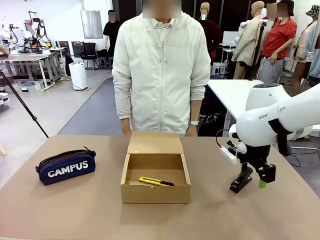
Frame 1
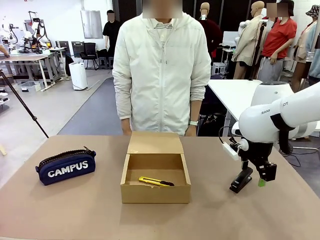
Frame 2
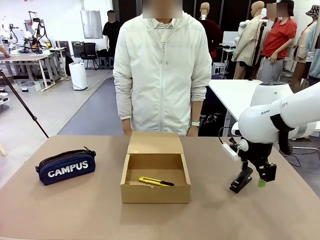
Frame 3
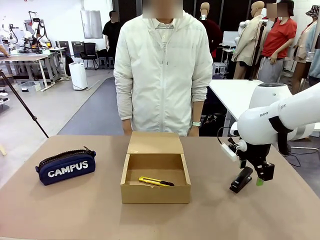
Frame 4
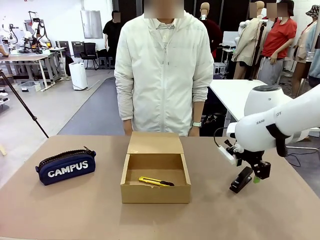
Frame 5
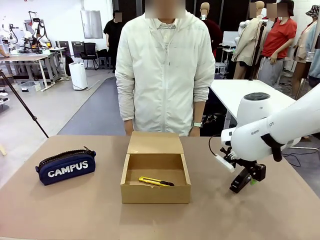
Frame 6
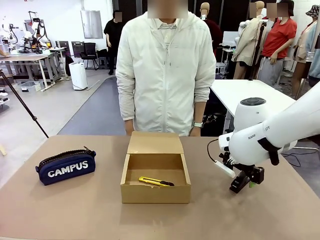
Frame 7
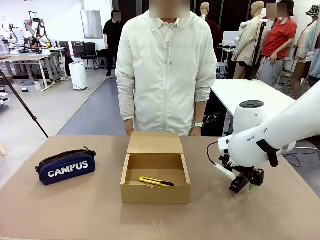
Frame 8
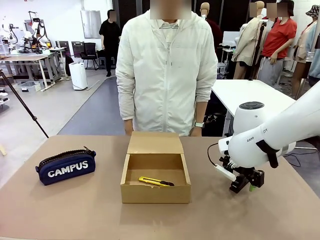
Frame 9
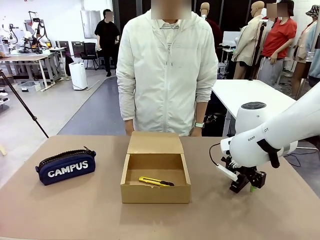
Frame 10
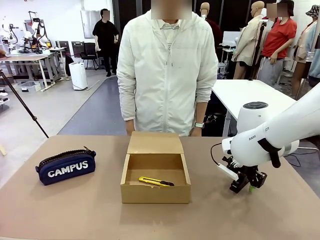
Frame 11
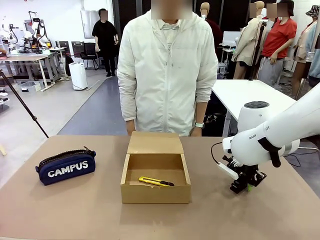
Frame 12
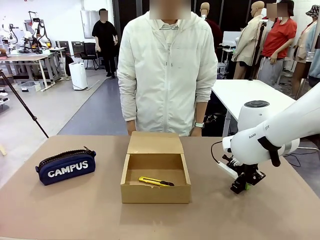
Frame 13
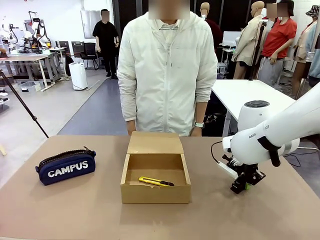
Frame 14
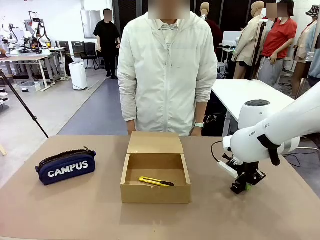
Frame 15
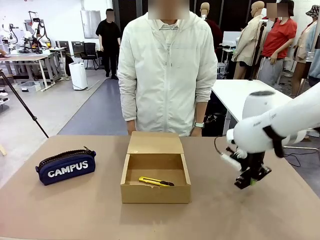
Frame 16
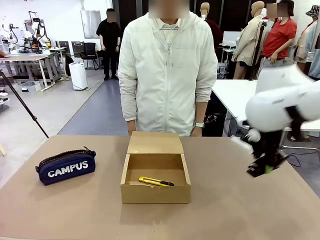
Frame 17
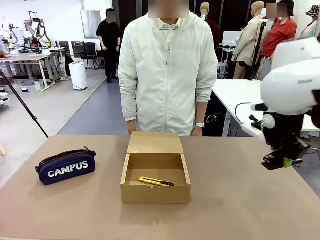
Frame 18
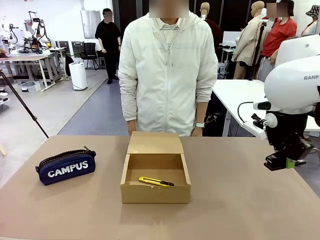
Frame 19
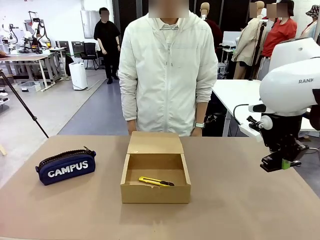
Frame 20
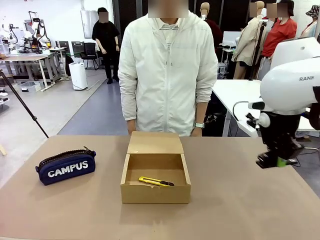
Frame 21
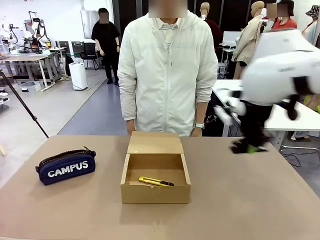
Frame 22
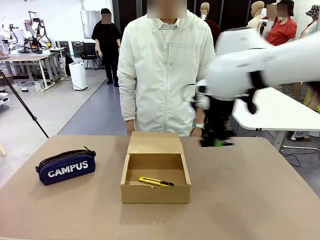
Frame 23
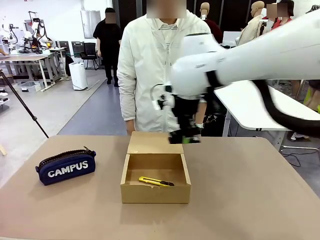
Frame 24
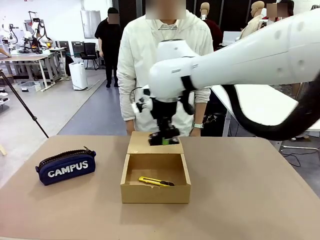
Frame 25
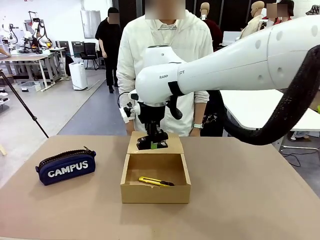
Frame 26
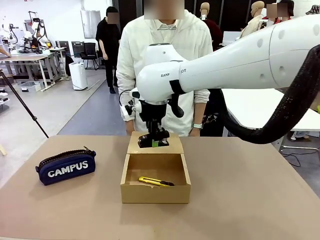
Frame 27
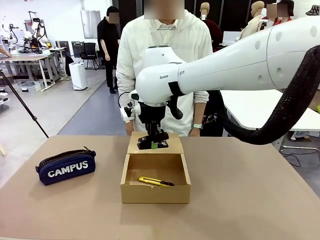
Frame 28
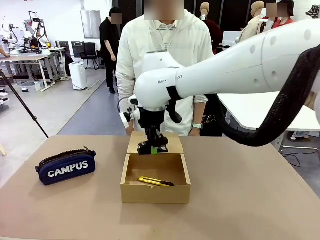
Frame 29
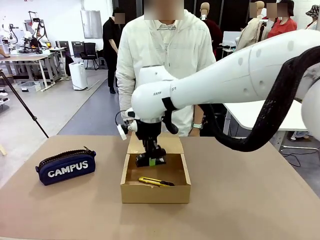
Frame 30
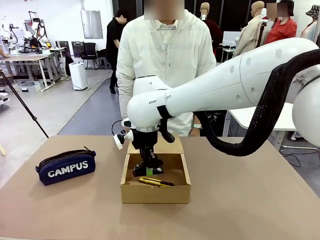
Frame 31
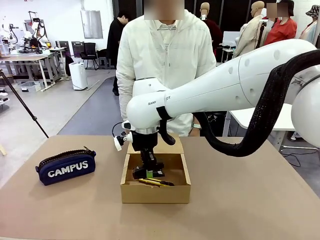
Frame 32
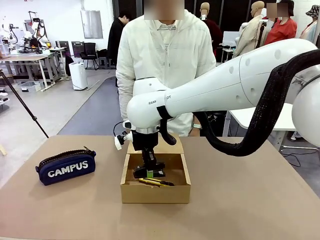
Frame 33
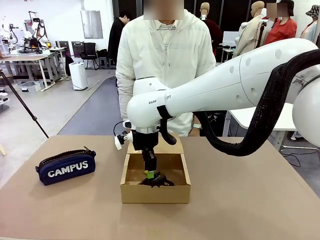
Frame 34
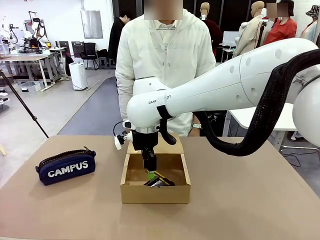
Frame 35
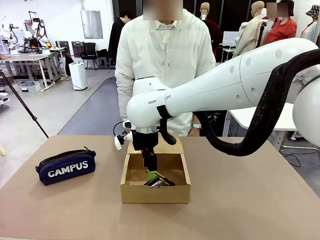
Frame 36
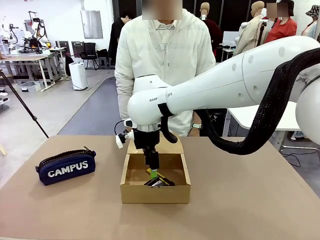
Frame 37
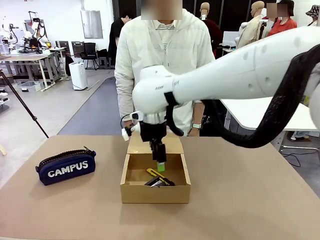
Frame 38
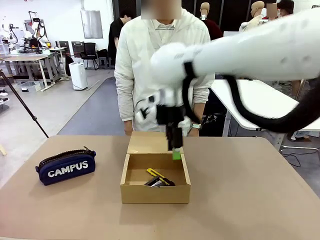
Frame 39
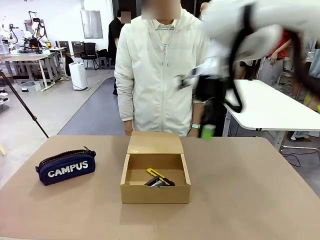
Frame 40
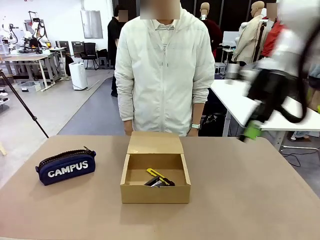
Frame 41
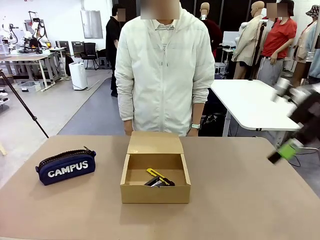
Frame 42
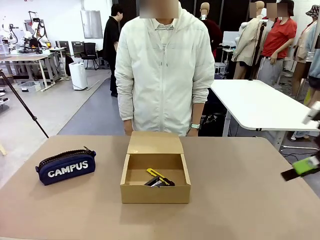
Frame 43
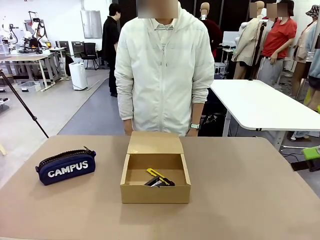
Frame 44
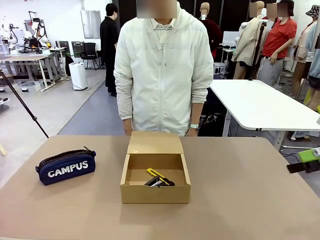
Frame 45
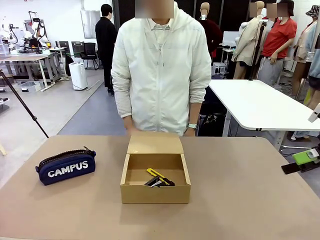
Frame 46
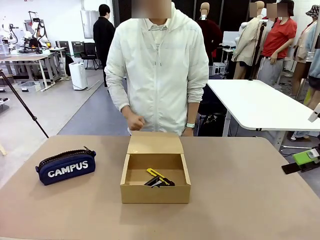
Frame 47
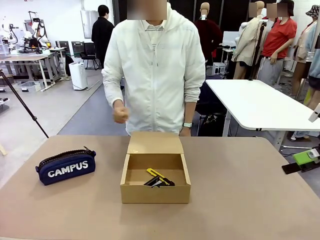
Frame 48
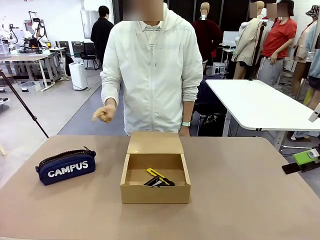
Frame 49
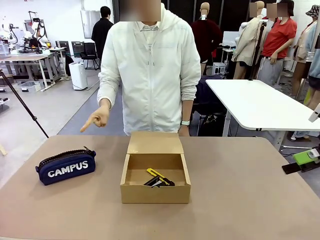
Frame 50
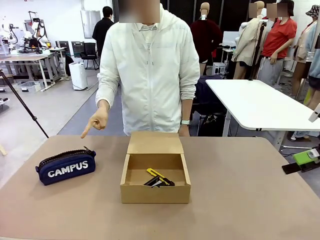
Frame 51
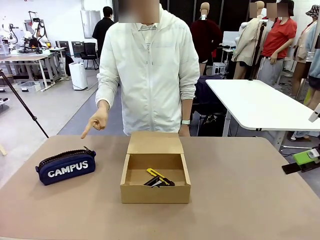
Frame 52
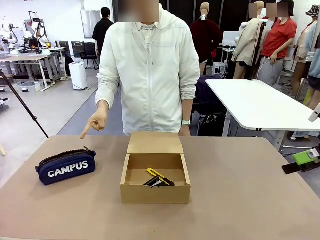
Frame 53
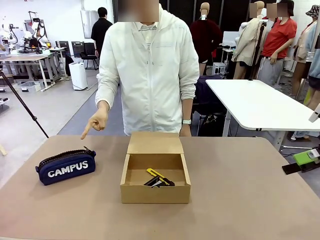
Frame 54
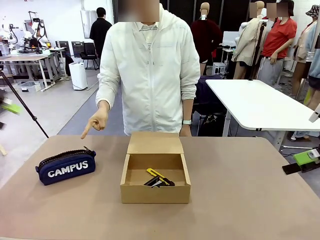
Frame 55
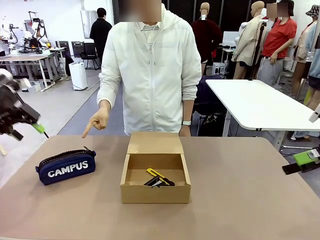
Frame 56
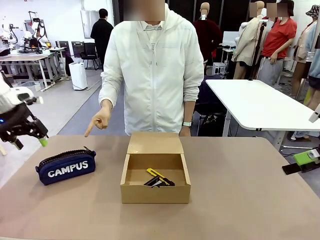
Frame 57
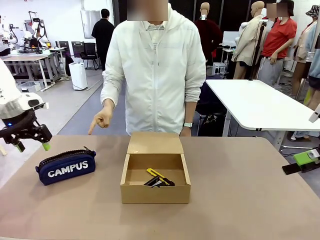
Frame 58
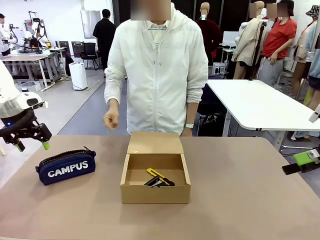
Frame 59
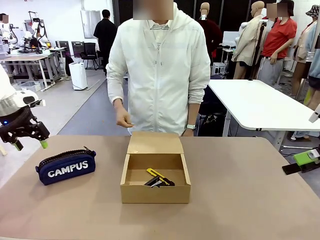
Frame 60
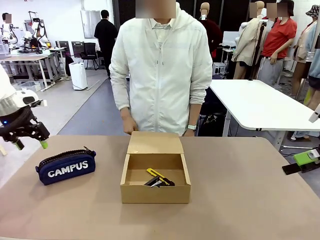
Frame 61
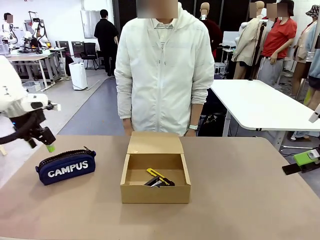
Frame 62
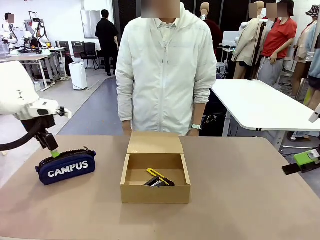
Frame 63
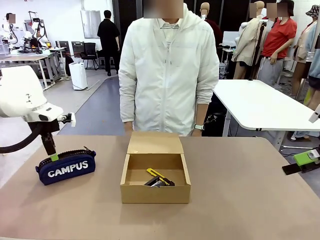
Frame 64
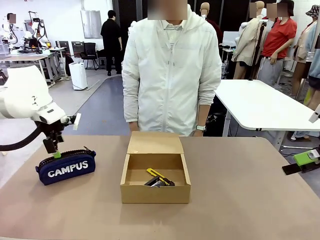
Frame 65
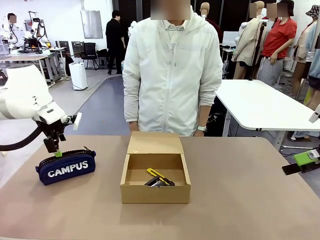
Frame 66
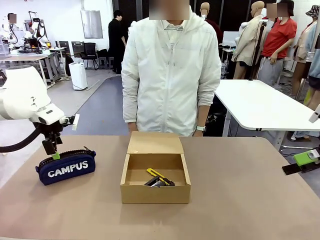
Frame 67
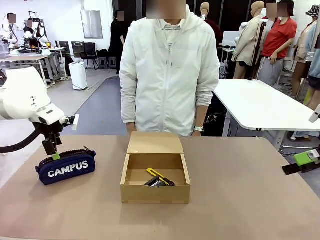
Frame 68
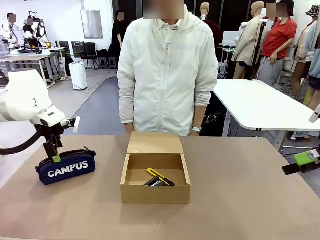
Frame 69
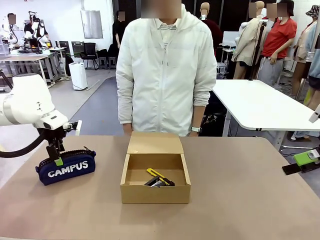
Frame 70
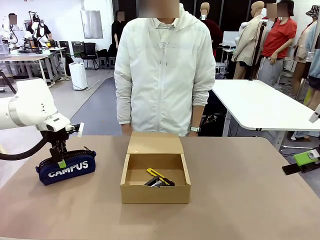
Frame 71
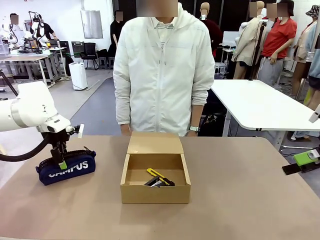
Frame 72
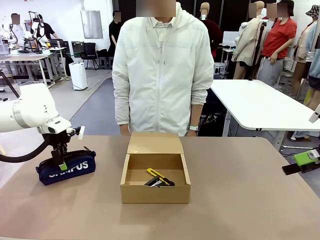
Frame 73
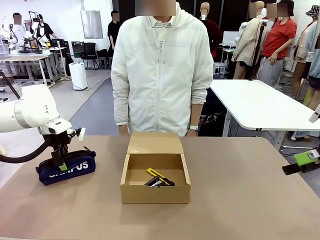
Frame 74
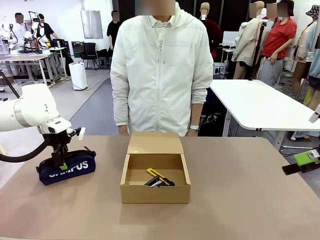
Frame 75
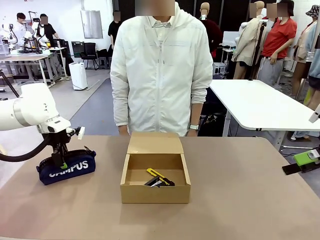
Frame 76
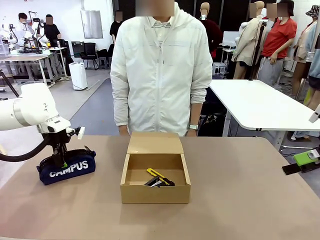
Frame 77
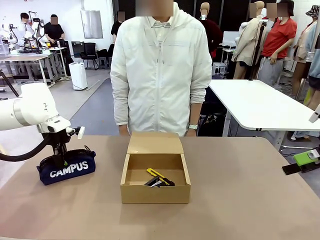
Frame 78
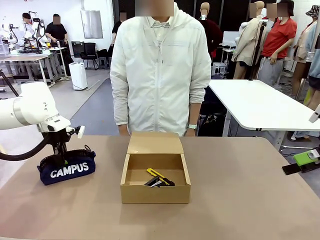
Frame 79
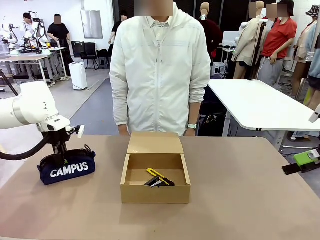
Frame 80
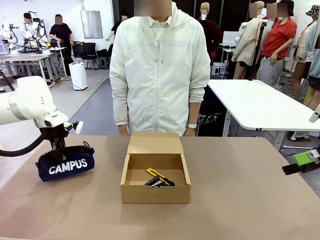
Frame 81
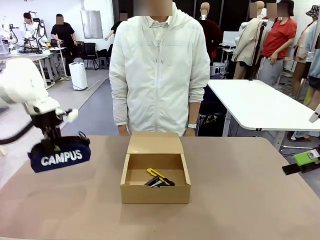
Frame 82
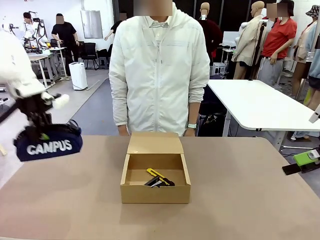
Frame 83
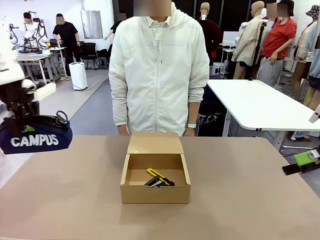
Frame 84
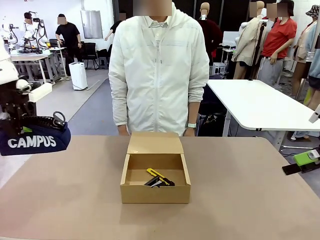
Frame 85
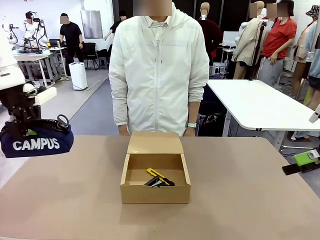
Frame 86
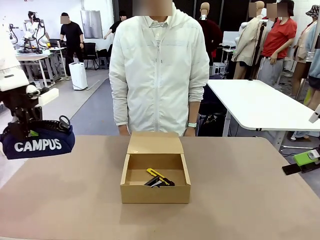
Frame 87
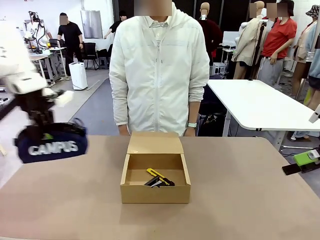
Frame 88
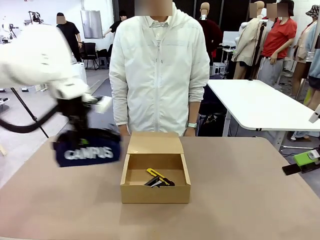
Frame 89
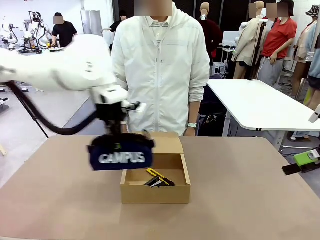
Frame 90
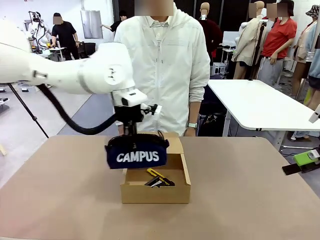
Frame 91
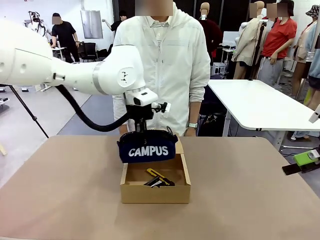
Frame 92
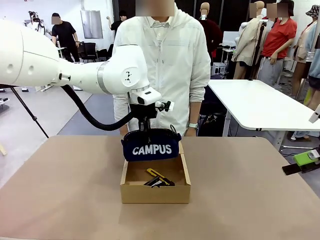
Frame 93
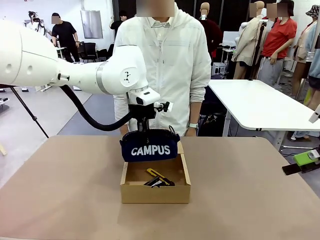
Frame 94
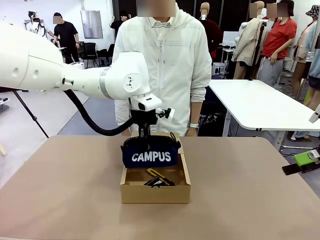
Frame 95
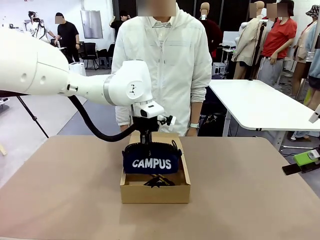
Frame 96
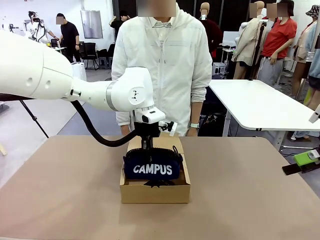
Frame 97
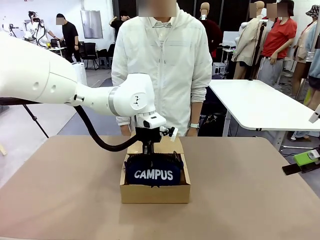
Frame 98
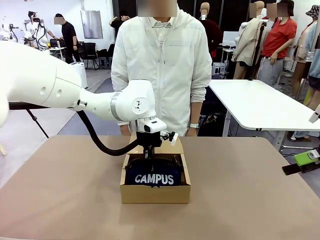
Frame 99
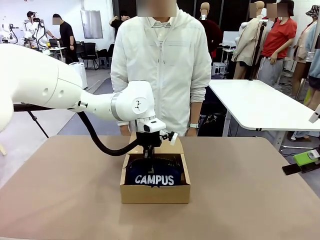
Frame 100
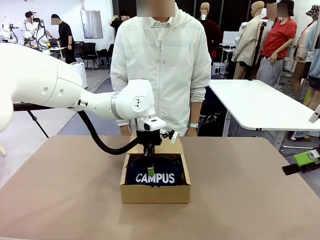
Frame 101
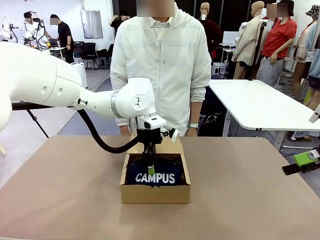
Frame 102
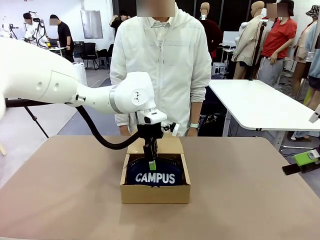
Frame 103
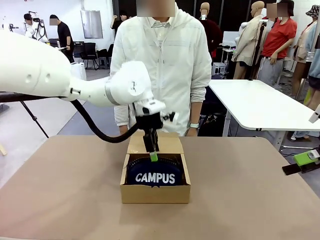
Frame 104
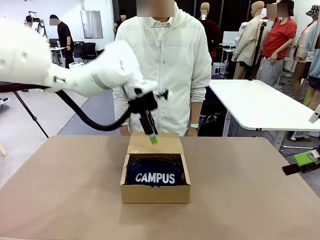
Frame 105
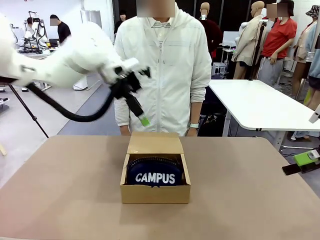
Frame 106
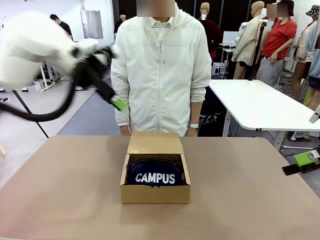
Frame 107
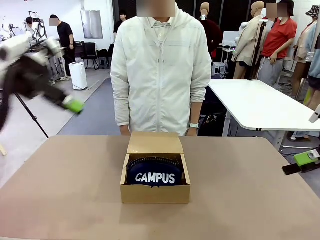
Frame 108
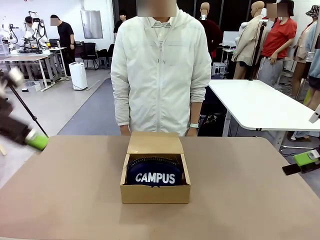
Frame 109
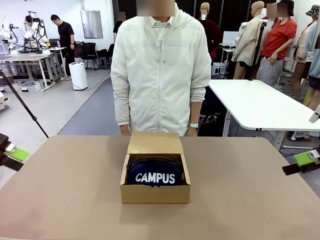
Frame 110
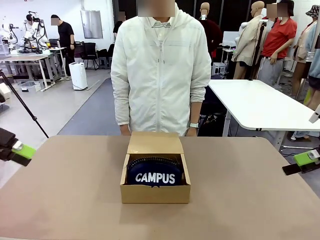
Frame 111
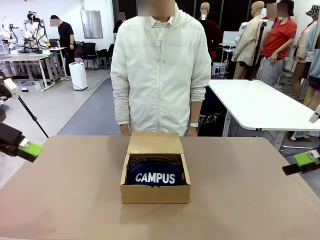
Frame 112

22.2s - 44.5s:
Task: Pack the items into the box.
Robot: Pick up the item indicated by the person and place it inside the Mailer Box.
Person: Lower both hands vertically with palms facing downward, as if pressing something closed.
